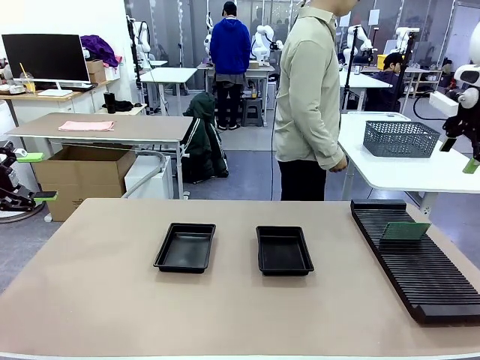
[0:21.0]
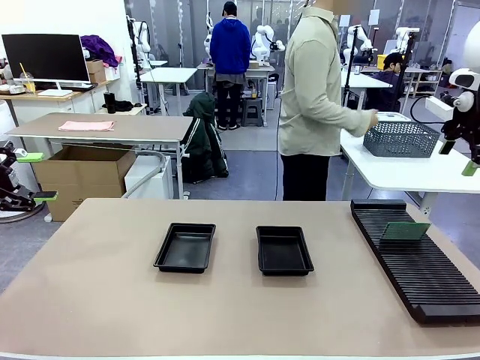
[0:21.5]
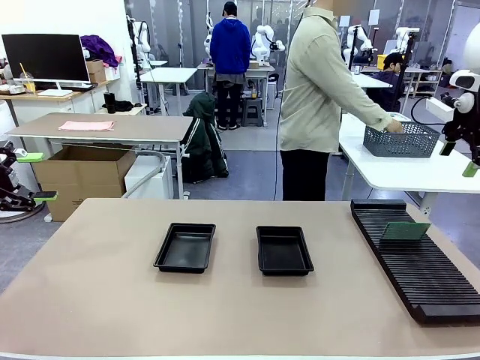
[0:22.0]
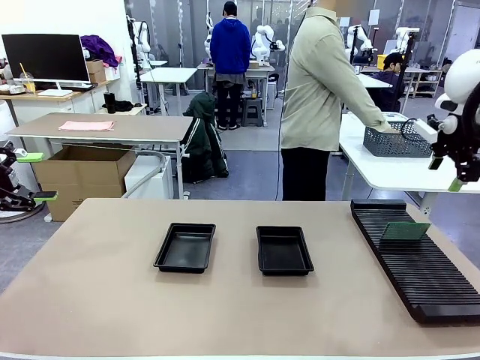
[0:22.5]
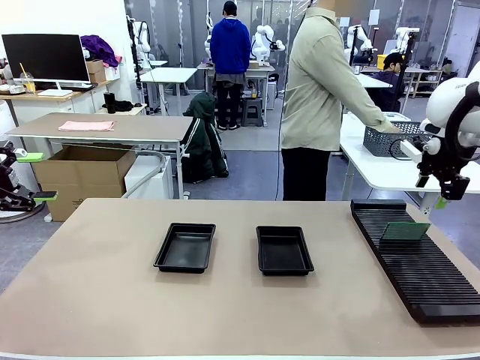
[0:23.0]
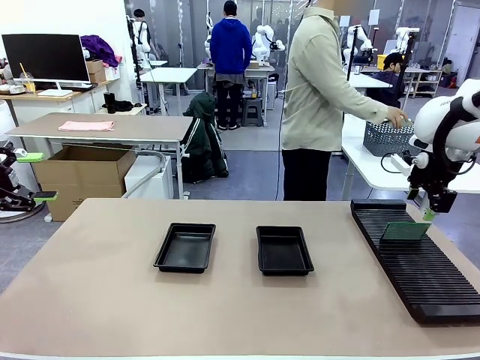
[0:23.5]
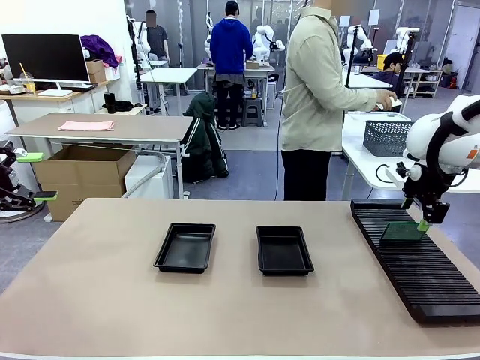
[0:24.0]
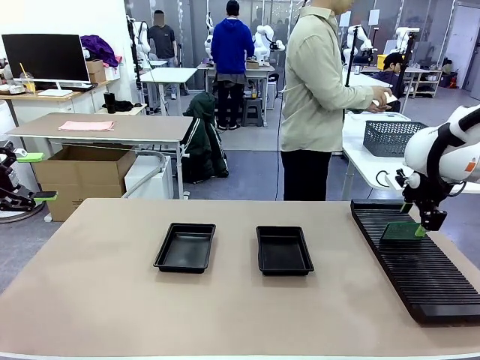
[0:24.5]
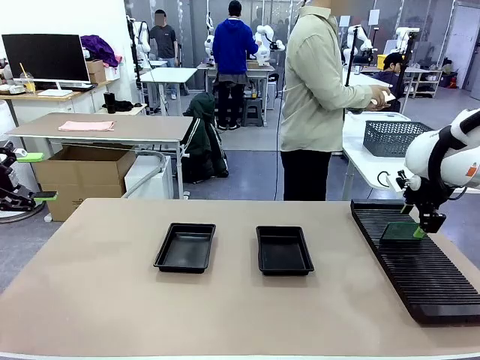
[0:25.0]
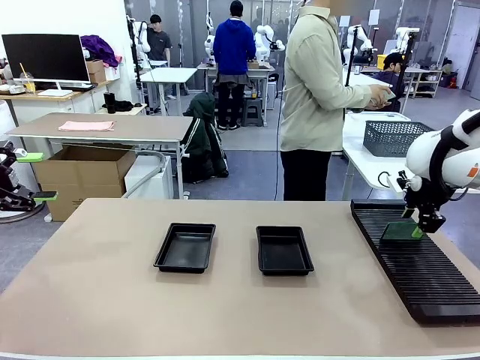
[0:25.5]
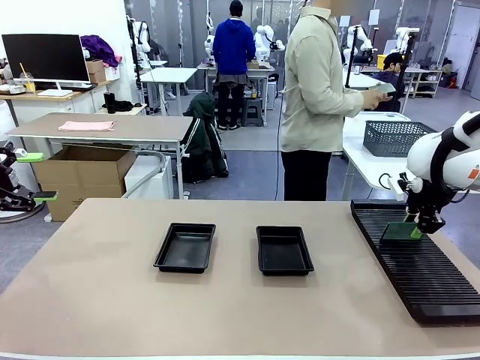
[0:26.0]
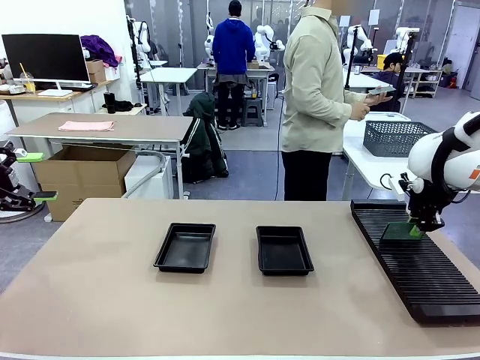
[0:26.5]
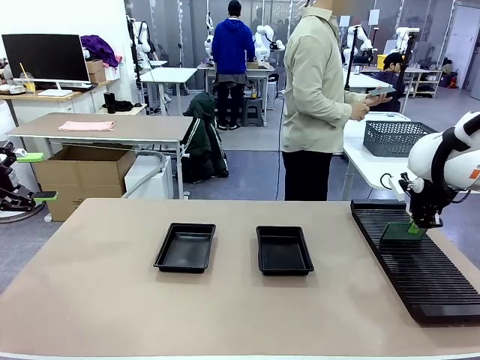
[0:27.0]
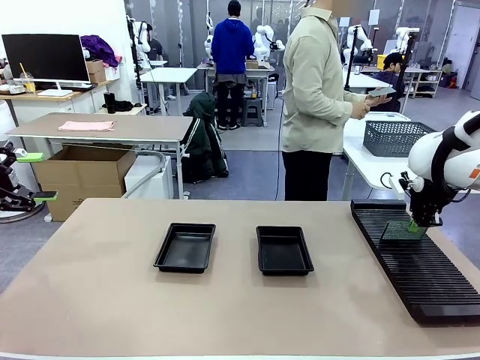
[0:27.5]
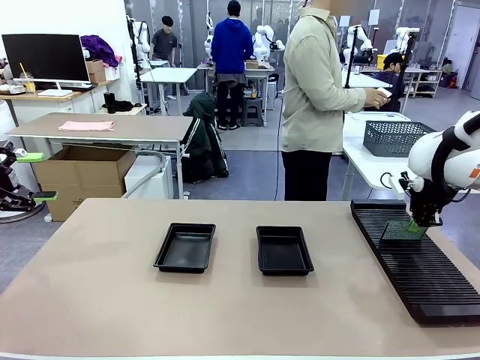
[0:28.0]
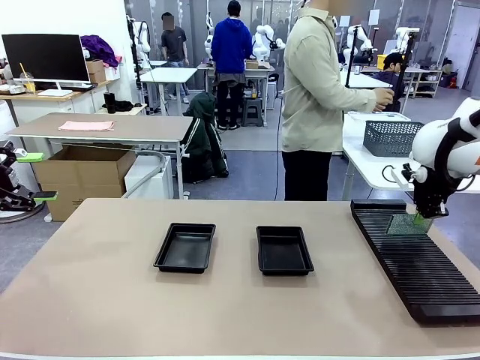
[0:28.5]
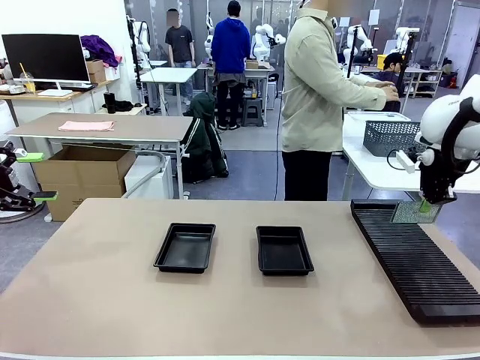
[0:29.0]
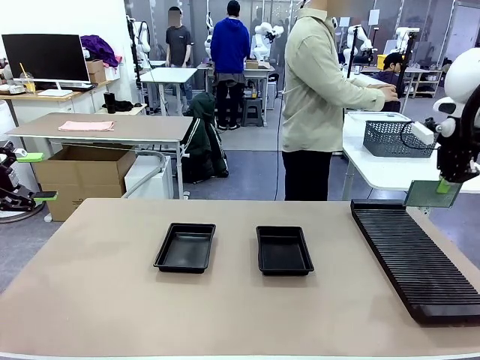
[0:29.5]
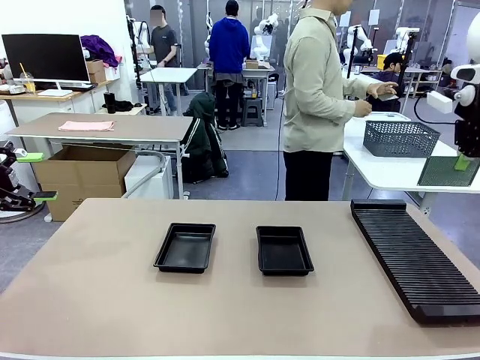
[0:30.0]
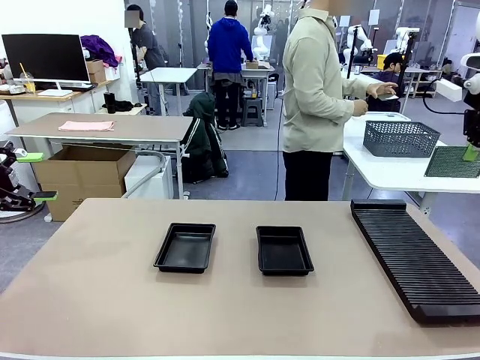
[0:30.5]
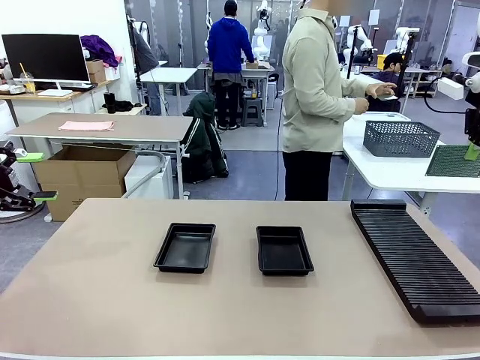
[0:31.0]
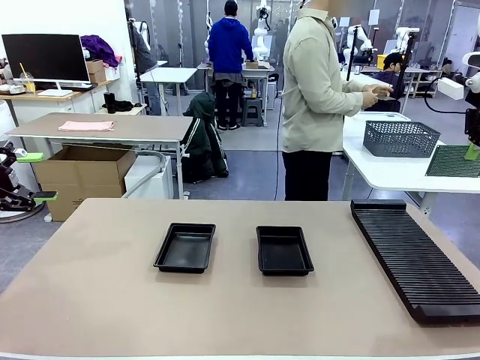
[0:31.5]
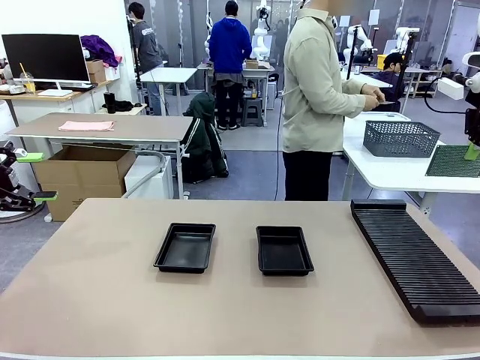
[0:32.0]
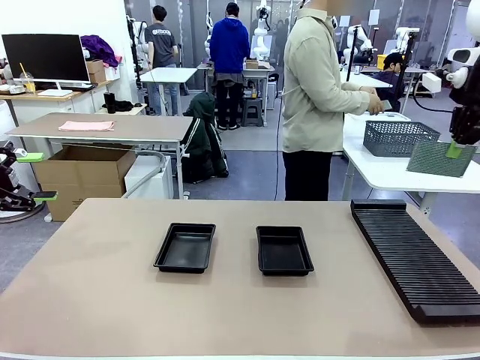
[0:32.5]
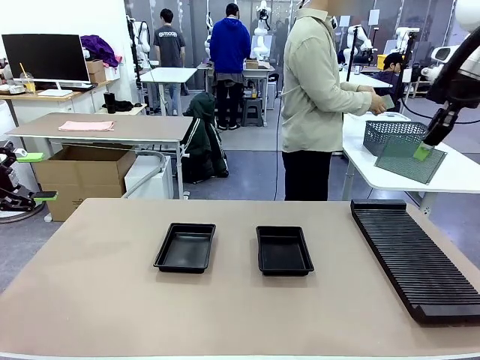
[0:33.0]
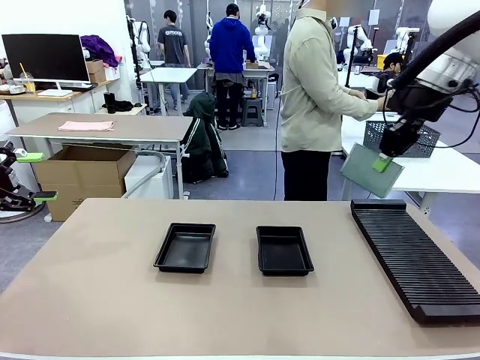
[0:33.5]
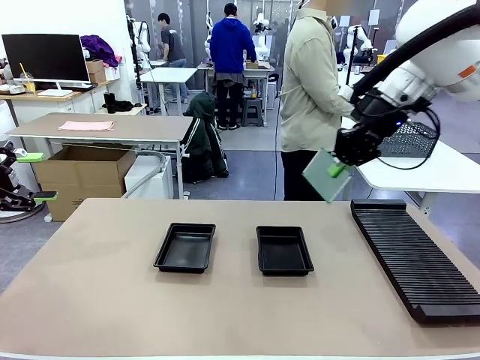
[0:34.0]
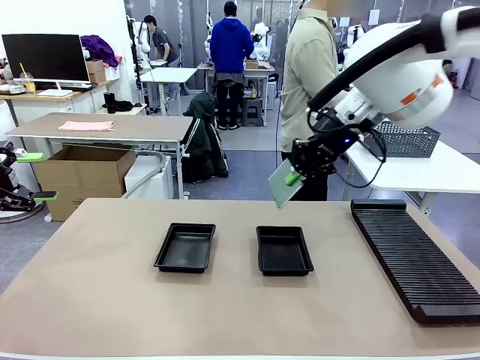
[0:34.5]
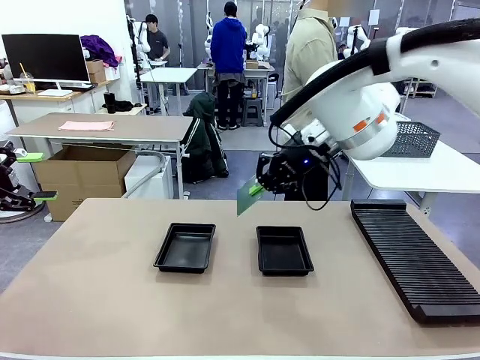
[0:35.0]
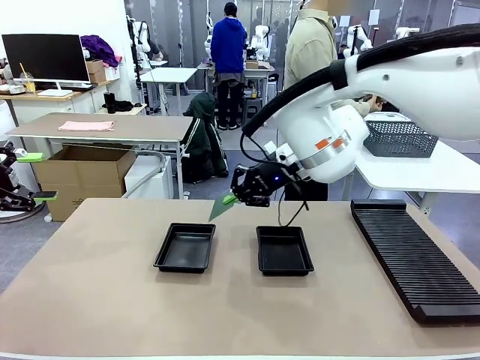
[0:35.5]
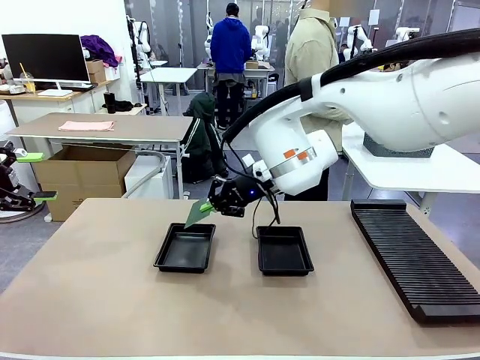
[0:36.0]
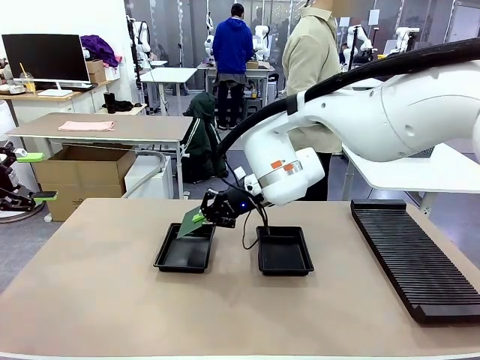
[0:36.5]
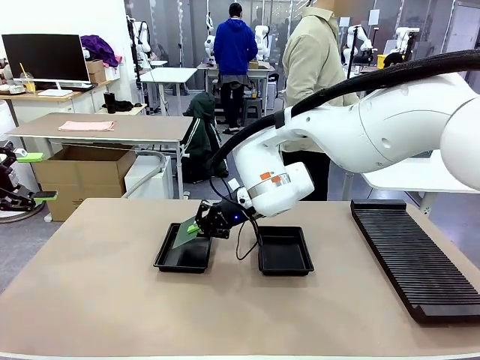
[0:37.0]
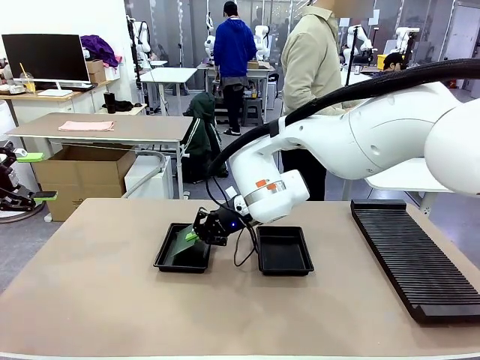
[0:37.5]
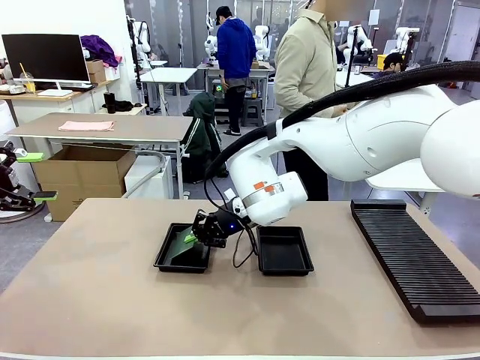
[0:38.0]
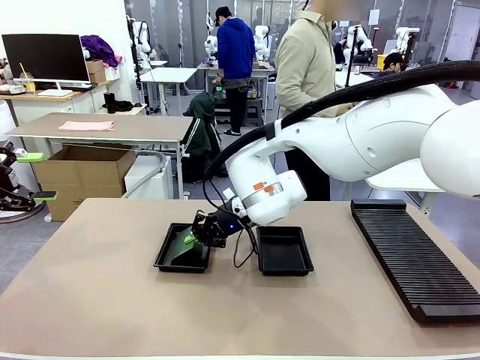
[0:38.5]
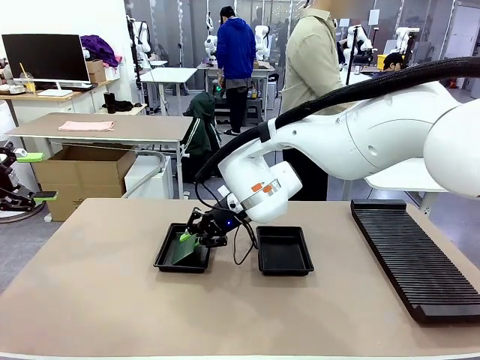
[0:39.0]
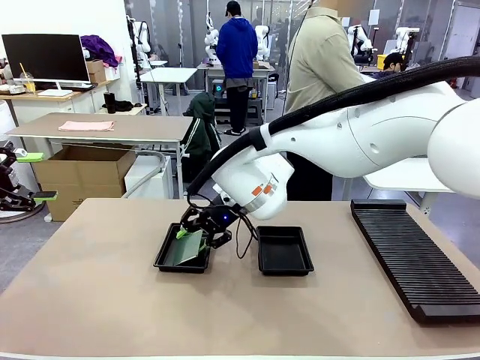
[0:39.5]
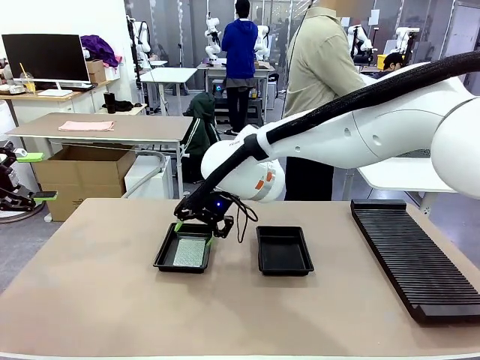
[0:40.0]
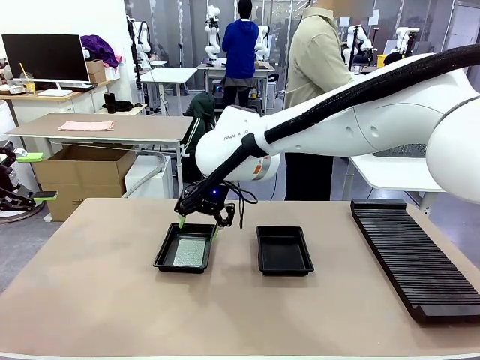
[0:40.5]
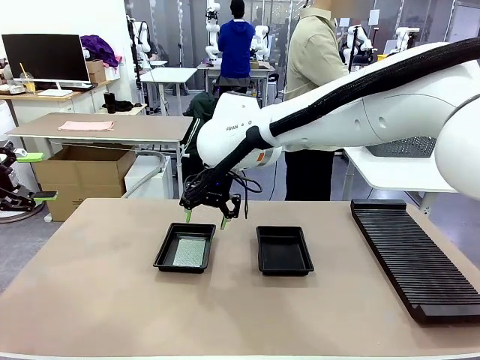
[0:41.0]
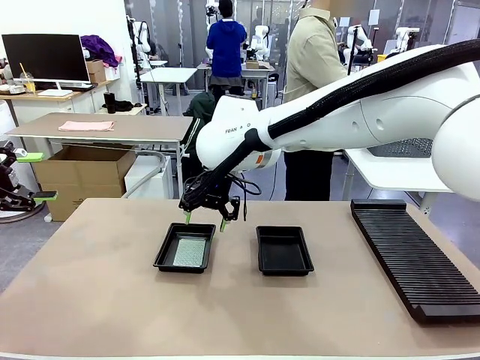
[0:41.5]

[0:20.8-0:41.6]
Task: Inspect and transfer BCBs to ESD trays.
Robot: Pick up the Blank PCB from the PCB Rack and place it in the left ESD tray.
